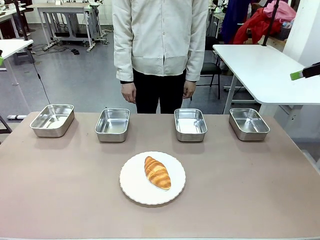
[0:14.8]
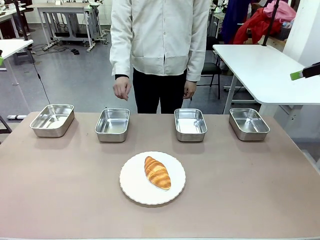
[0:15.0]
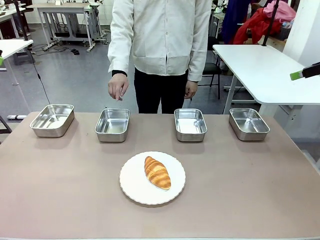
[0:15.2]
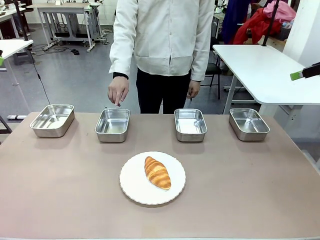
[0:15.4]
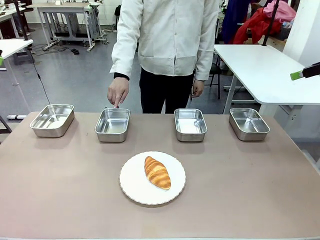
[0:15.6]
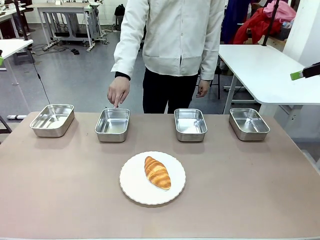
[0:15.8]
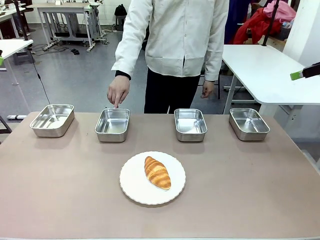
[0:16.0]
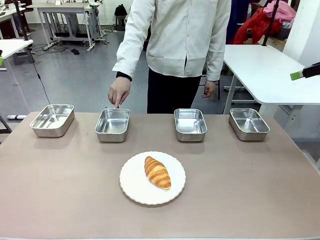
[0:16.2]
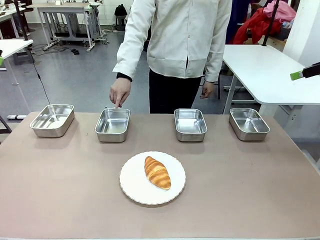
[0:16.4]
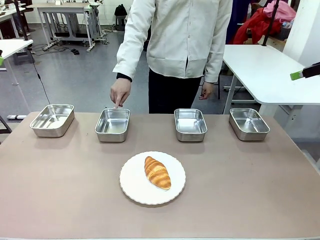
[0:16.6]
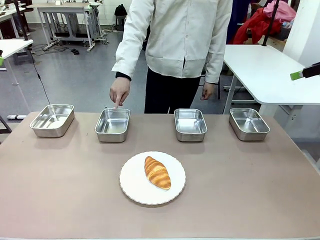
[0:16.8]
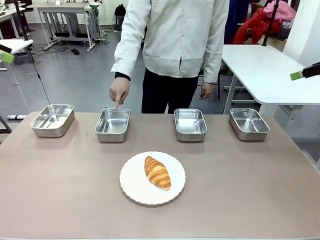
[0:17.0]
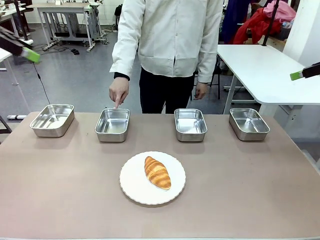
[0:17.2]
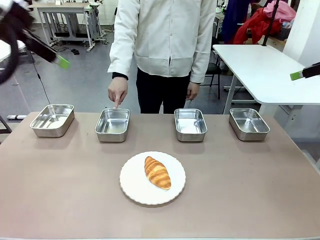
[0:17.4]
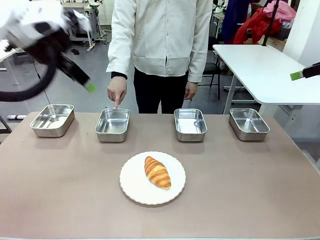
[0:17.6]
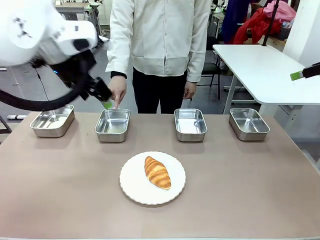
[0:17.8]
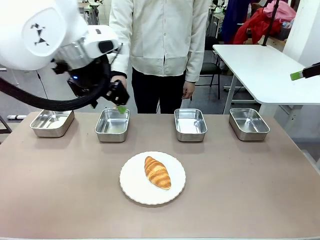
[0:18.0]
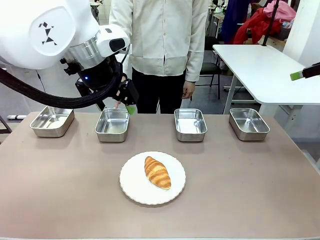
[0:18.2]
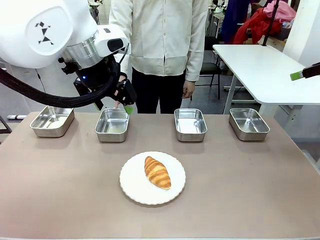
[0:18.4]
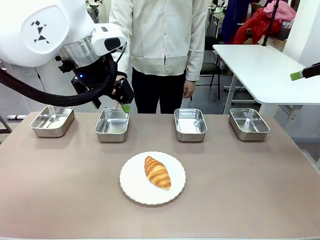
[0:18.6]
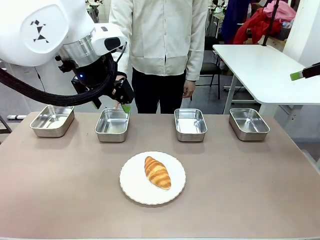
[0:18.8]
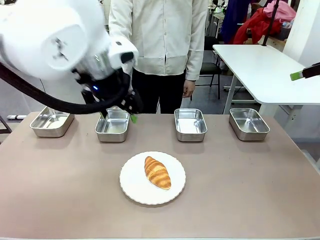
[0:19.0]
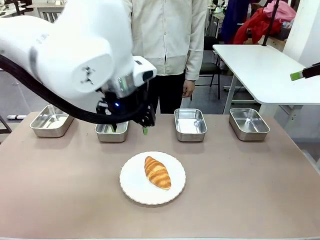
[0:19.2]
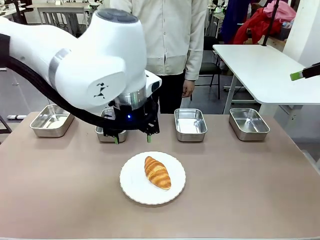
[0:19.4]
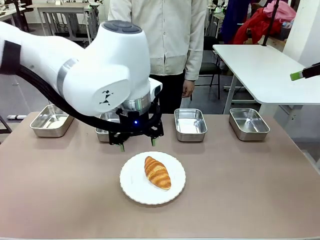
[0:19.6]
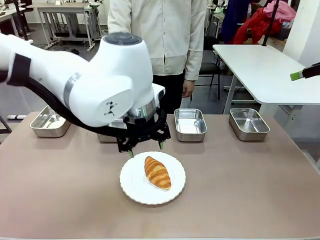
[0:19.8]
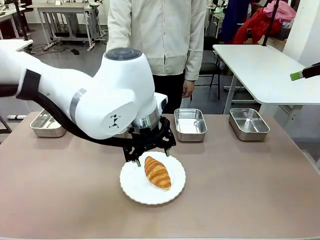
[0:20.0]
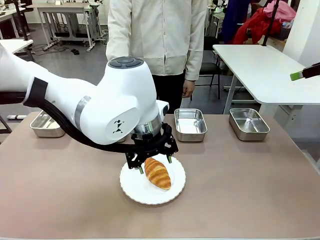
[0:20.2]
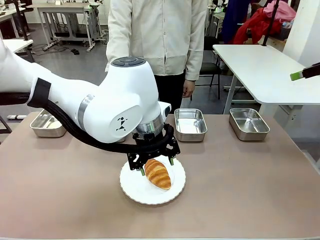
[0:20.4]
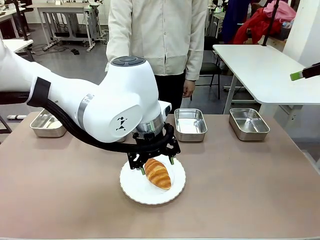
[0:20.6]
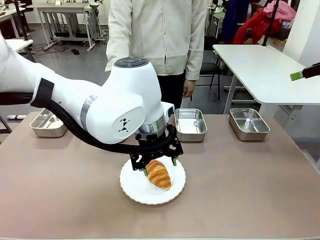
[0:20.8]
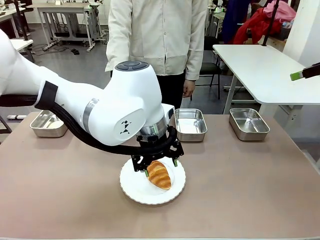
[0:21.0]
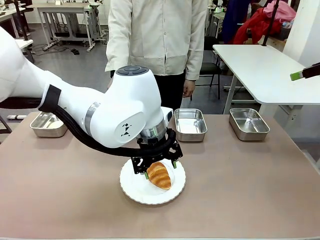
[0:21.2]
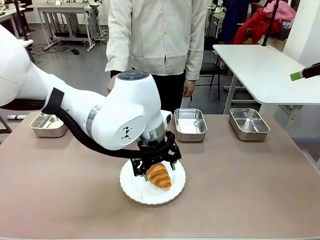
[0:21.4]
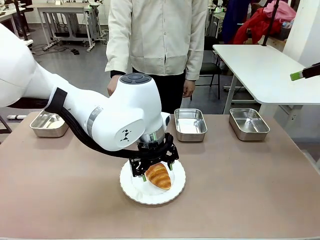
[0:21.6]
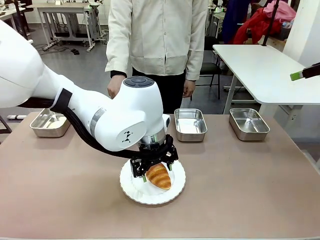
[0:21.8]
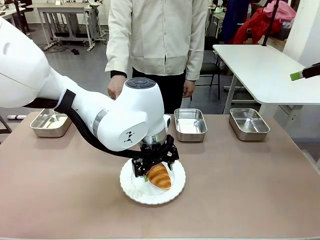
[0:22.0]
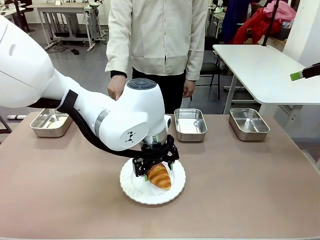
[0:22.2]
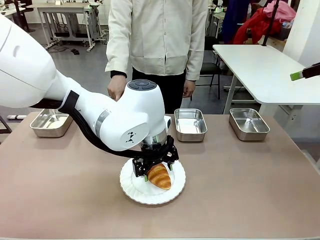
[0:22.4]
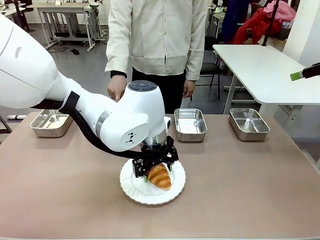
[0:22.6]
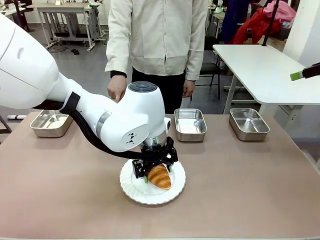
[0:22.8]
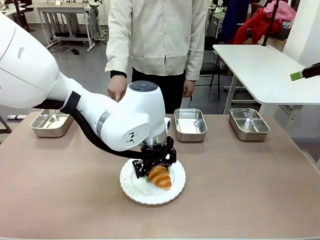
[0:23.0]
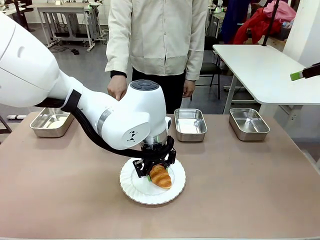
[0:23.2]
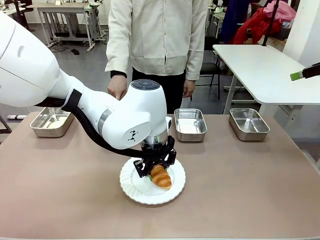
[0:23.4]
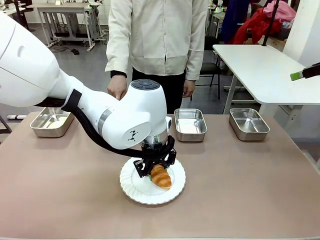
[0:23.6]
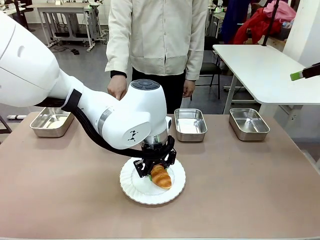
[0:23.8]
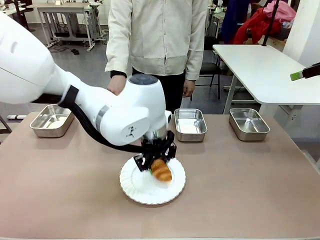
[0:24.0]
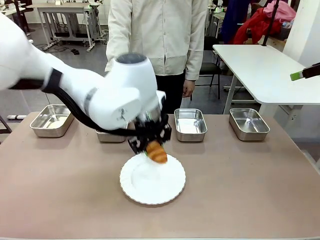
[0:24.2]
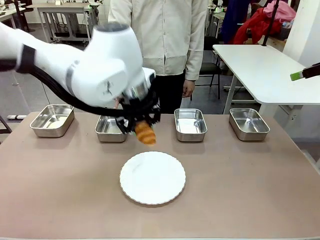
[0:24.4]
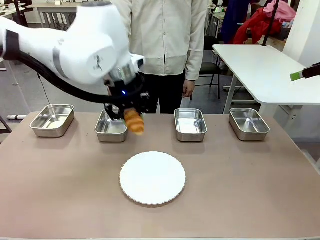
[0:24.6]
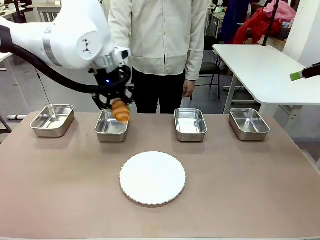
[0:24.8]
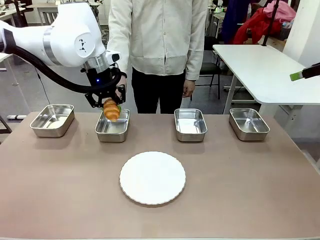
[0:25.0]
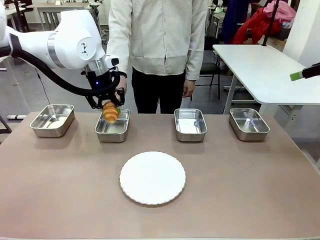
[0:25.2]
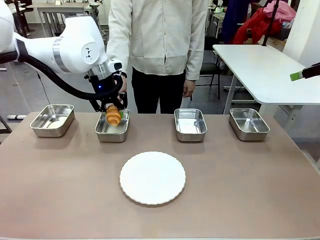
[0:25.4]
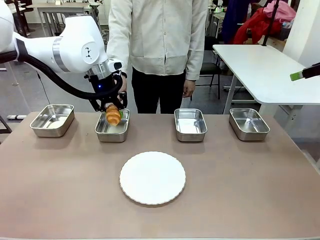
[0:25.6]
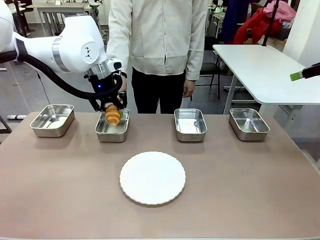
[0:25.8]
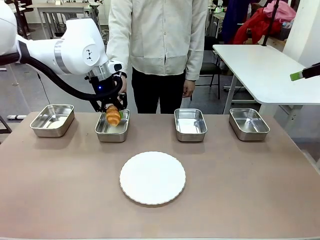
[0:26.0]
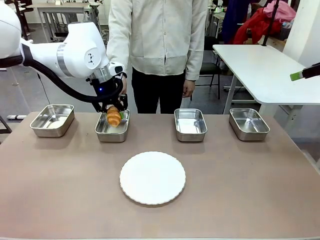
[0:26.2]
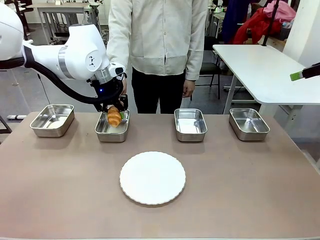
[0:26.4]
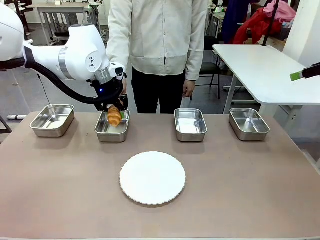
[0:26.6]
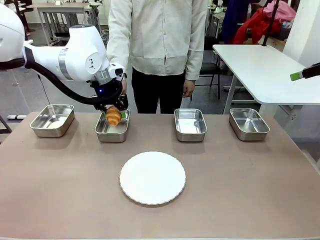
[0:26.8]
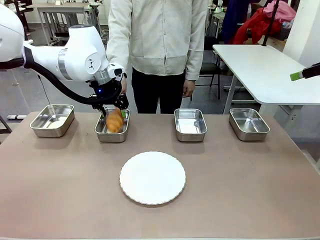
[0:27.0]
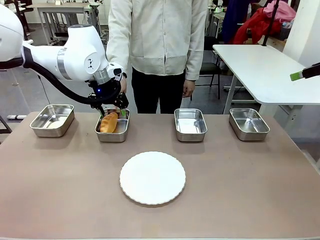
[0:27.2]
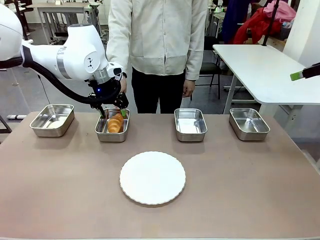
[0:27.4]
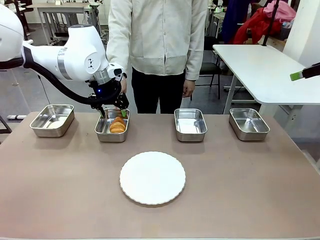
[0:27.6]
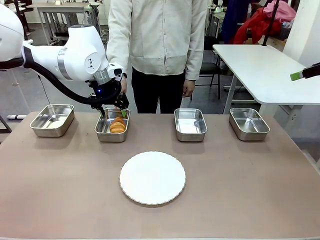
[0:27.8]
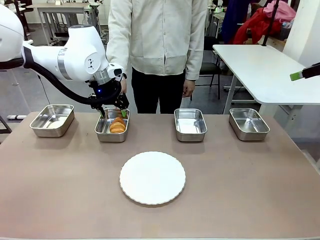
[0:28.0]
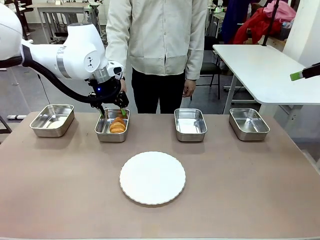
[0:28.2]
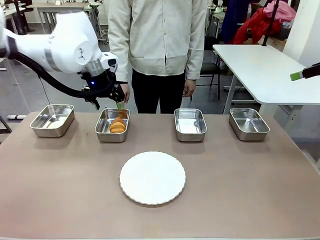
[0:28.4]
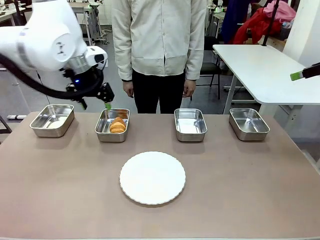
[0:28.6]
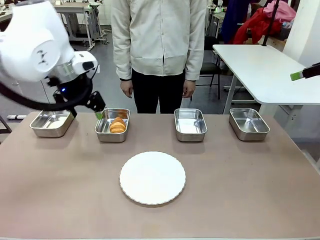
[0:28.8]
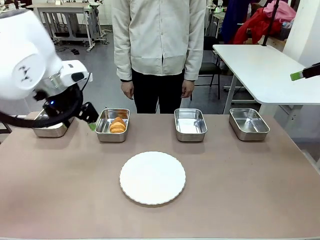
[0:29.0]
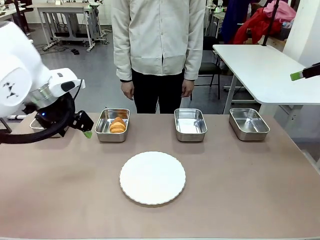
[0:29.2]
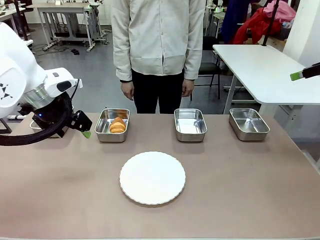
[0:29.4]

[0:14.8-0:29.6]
Task: Place the bread in the container.
Robot: Place the Butter Roll into the Airtight Container indicated by the human.
